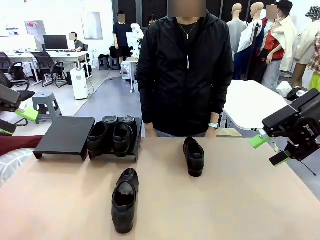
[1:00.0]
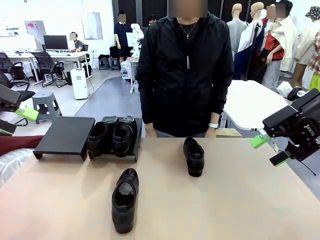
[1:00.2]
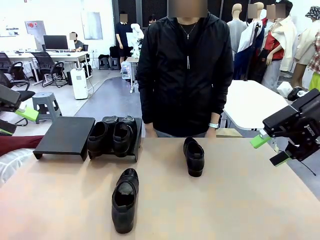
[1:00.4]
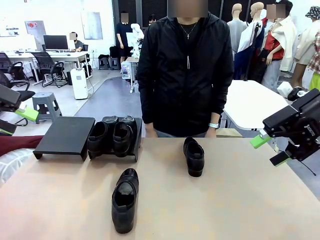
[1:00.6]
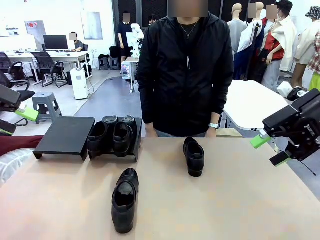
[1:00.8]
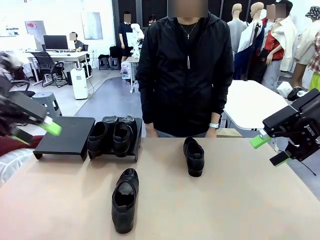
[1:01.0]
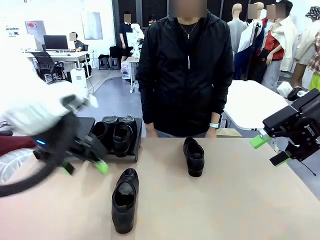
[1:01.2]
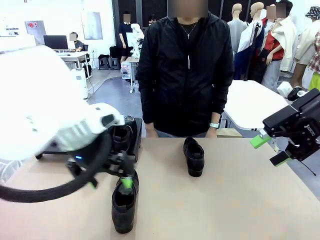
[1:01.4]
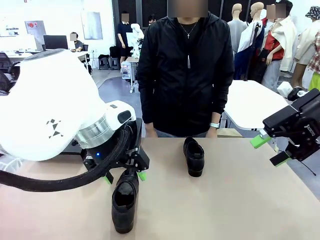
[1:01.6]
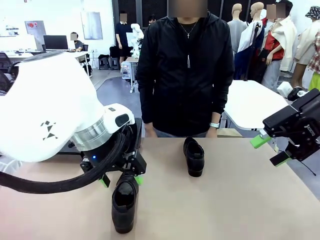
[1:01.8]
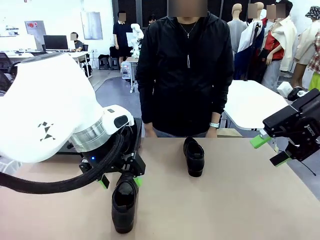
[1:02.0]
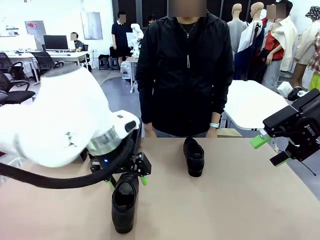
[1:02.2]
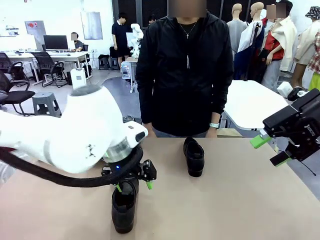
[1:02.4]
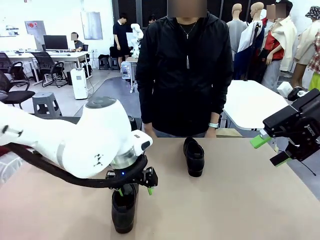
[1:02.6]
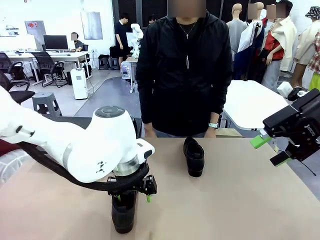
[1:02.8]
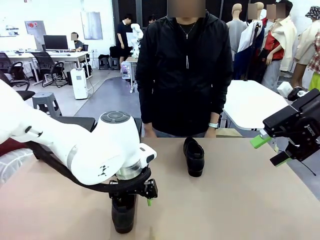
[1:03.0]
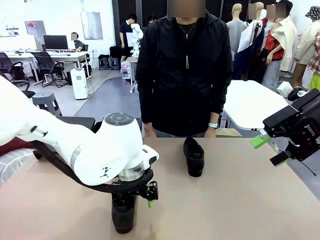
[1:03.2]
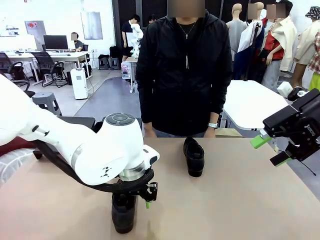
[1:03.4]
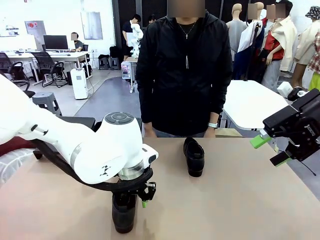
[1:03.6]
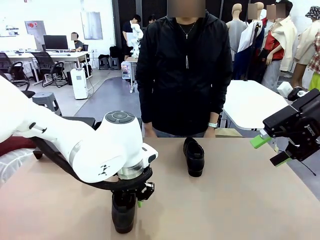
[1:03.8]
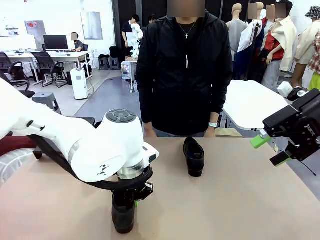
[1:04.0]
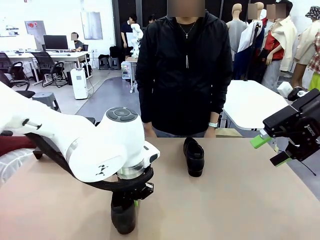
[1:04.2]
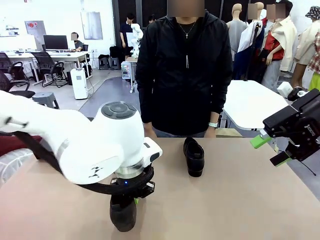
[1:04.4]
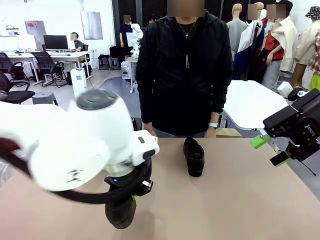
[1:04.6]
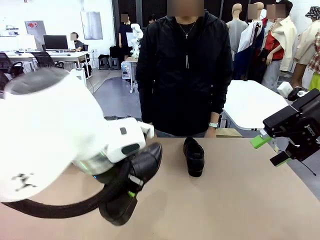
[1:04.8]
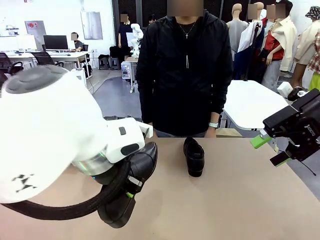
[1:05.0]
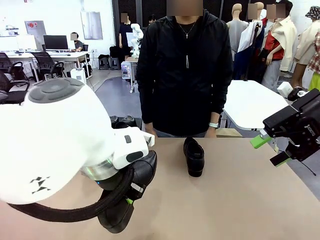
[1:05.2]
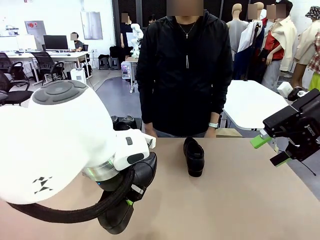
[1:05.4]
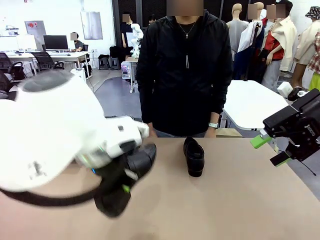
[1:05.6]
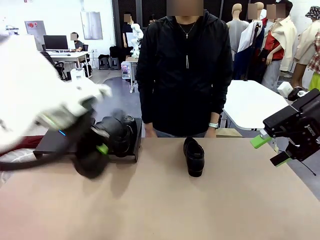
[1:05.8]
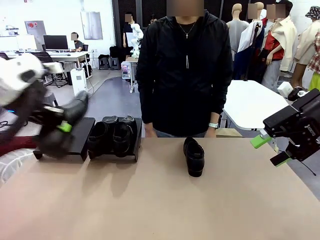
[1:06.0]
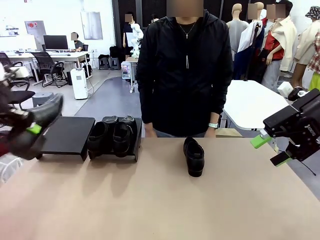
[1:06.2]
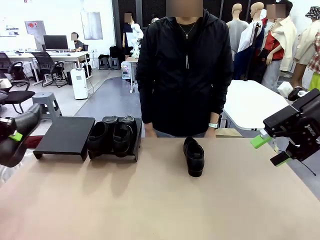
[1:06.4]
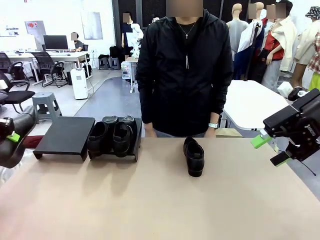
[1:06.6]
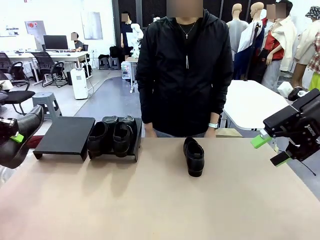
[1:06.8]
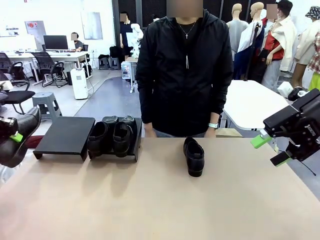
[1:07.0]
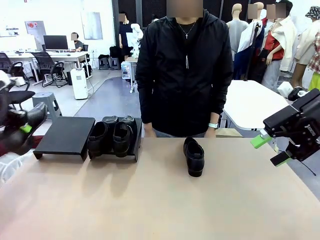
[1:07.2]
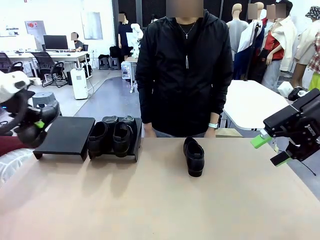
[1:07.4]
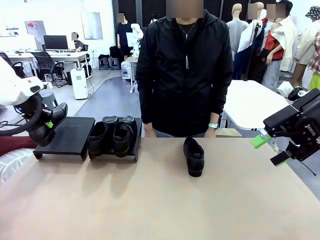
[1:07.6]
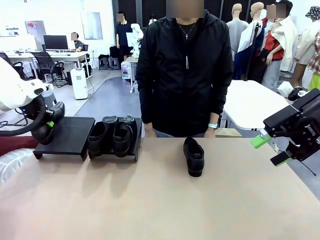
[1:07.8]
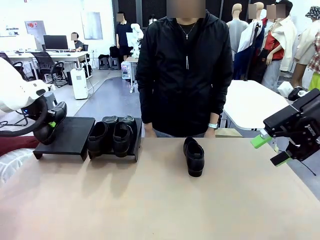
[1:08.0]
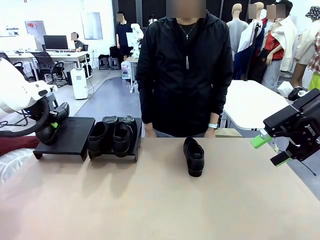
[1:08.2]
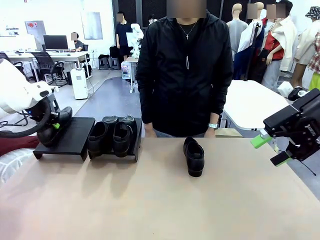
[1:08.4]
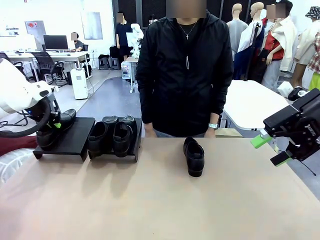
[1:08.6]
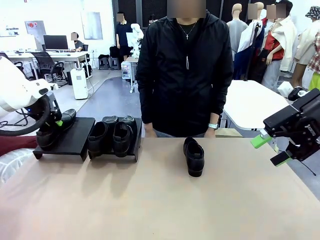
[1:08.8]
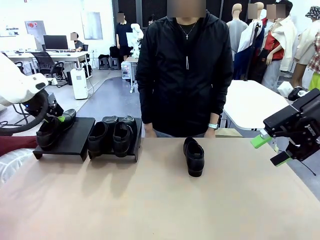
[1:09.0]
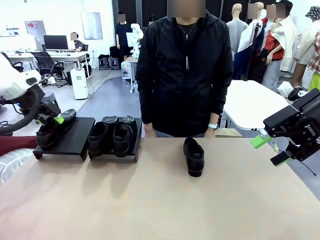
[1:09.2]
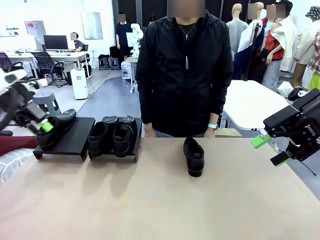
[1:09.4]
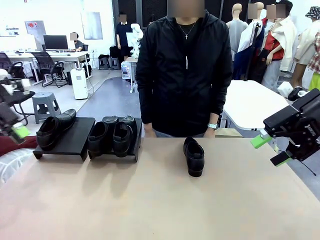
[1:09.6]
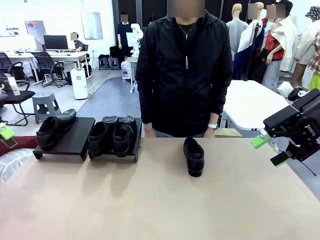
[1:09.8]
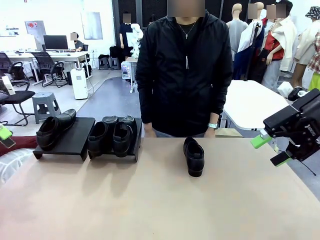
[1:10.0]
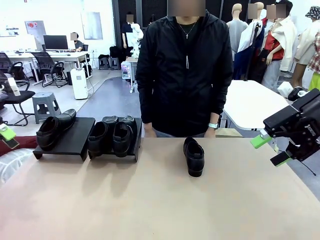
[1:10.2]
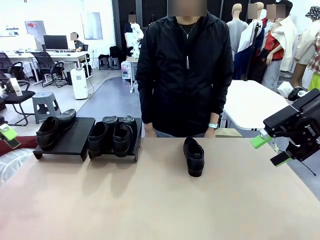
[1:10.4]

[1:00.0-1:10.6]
Task: Organize the shoes by placing them on the stand.
Robot: Place the Shoe from the middle of the table onto the Shoes Stand.

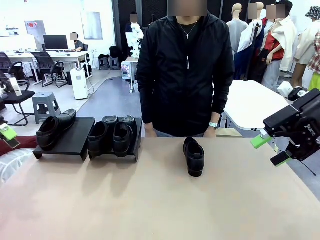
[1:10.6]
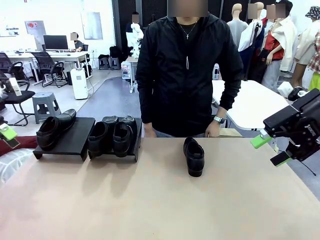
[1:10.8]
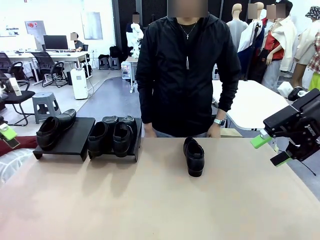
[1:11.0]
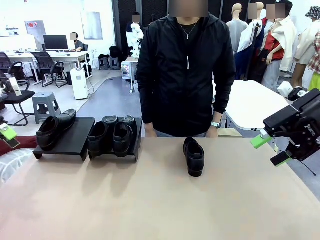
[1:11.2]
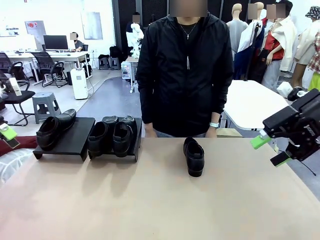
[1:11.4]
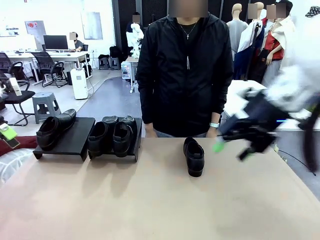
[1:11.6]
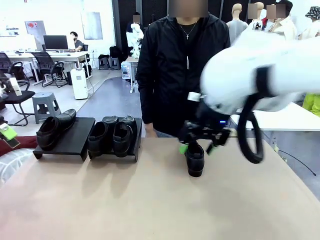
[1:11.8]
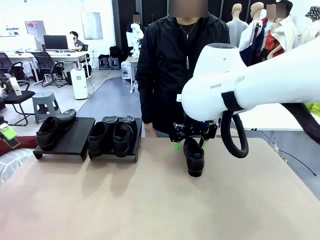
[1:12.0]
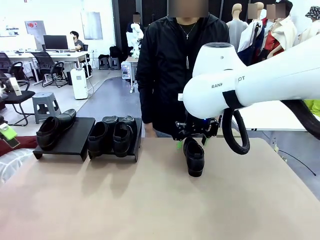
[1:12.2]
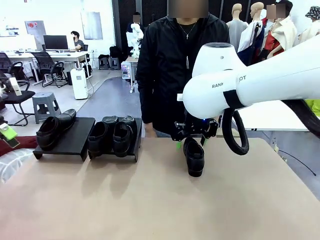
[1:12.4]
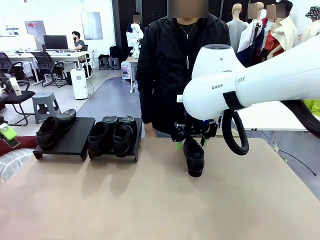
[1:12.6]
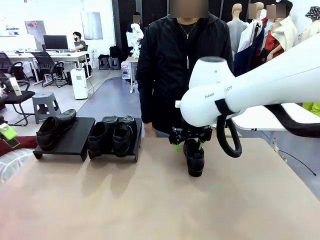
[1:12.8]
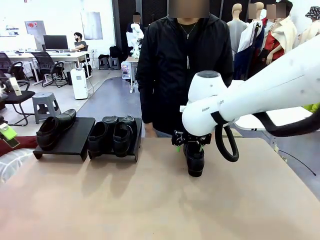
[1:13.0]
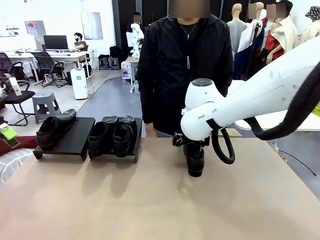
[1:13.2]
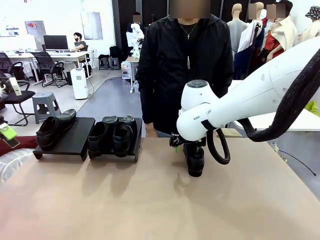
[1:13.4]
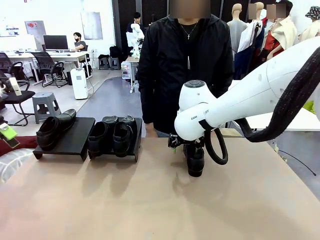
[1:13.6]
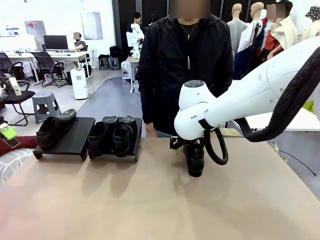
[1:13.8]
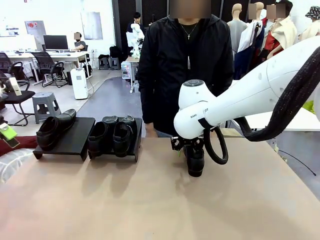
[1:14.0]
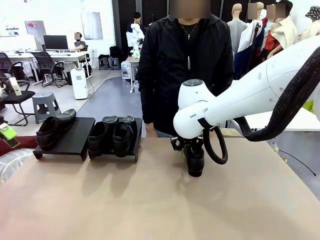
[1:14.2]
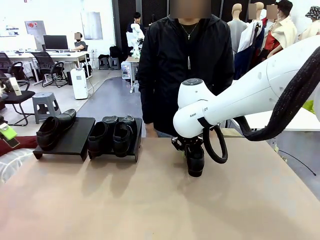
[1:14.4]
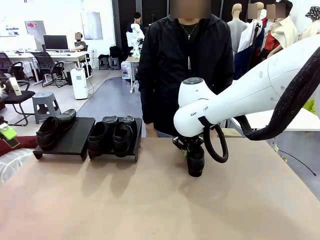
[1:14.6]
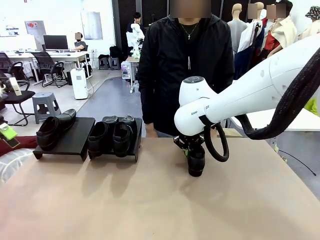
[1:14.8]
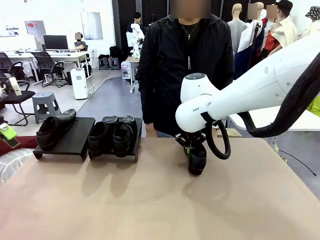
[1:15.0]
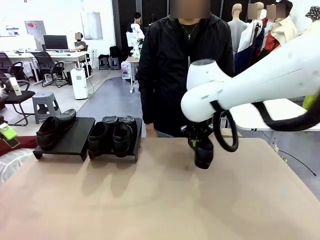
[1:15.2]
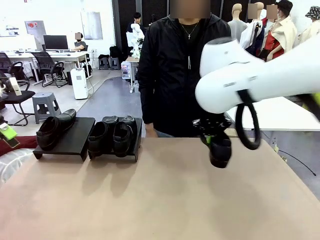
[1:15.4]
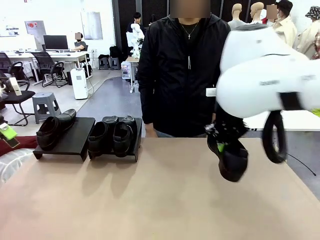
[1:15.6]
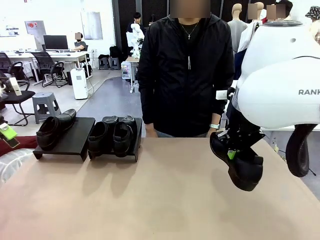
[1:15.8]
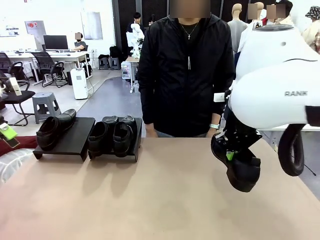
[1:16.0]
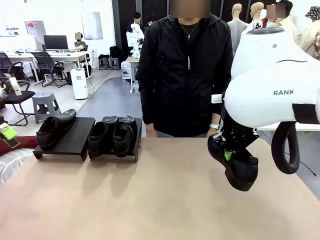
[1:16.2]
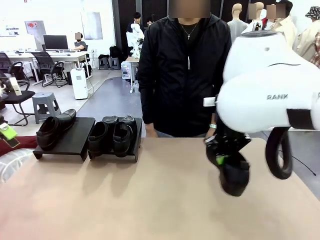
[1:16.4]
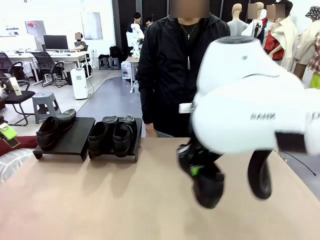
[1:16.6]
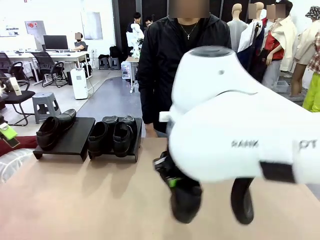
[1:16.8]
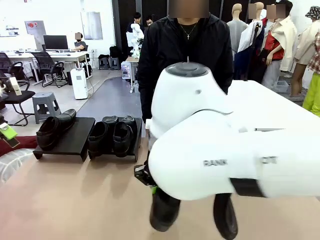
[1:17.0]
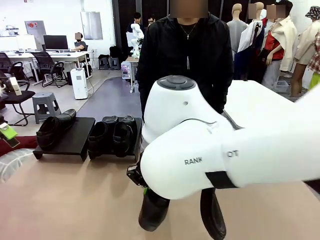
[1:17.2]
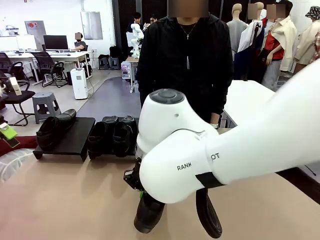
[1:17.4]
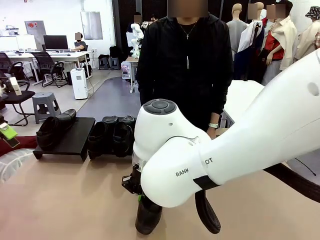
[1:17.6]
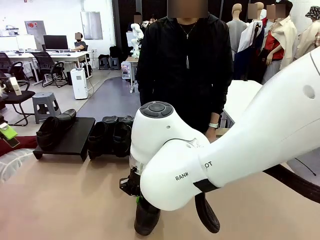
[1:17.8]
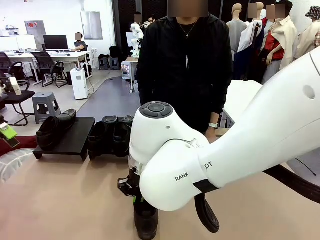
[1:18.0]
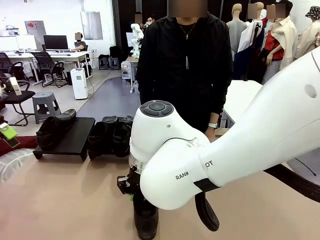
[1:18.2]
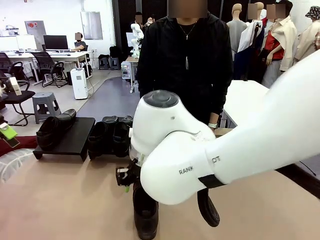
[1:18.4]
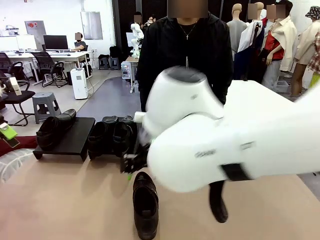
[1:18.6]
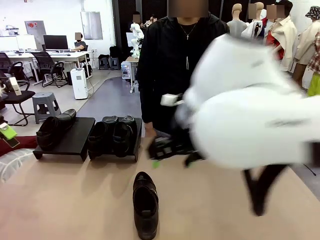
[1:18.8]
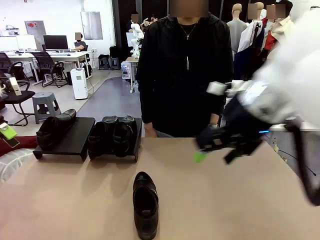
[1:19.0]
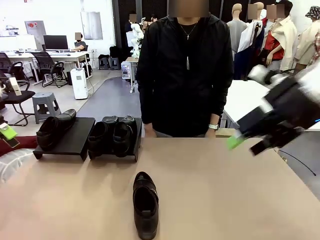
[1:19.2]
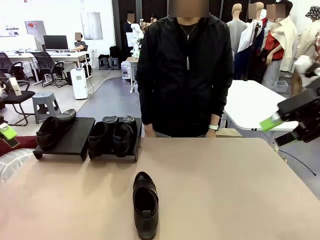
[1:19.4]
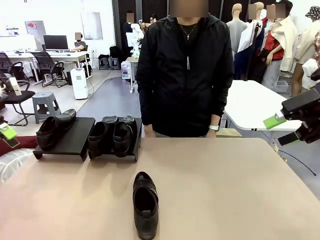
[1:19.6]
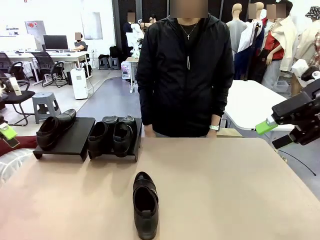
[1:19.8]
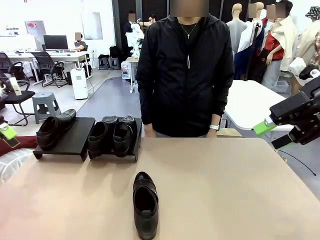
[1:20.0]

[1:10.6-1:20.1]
Robot: Pick up one Shoe and place it in the middle of the table.
